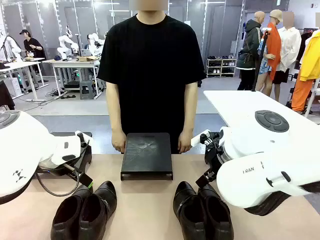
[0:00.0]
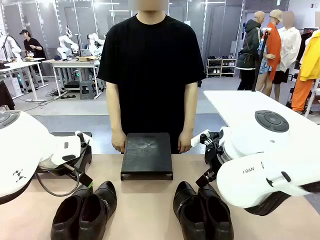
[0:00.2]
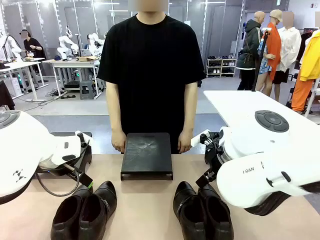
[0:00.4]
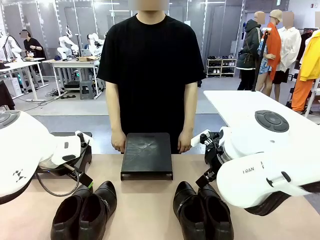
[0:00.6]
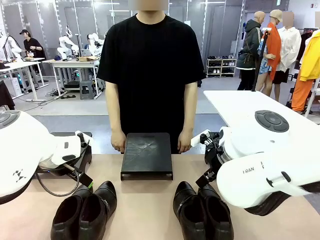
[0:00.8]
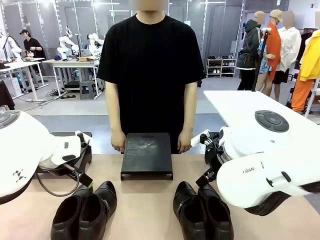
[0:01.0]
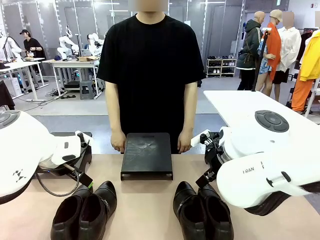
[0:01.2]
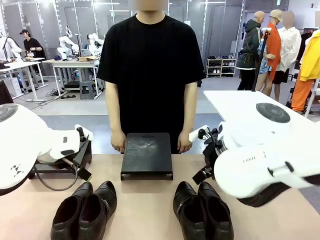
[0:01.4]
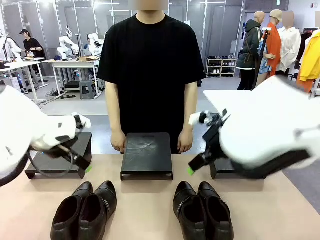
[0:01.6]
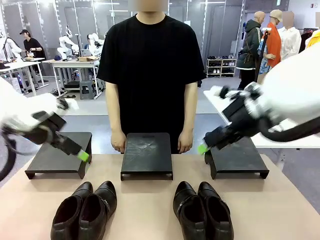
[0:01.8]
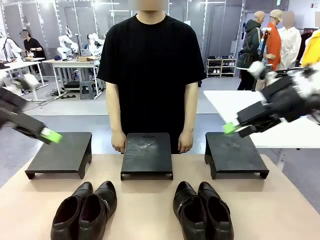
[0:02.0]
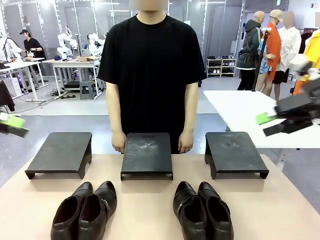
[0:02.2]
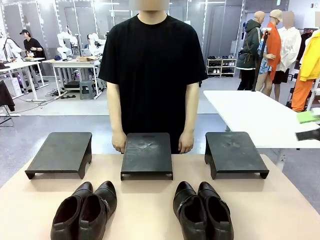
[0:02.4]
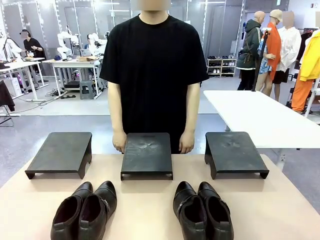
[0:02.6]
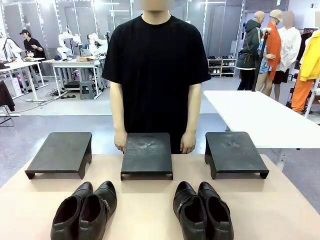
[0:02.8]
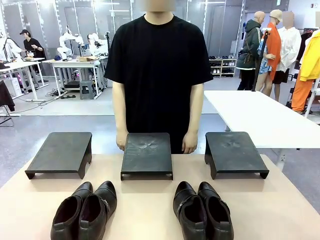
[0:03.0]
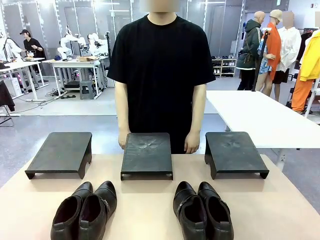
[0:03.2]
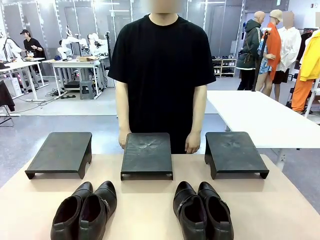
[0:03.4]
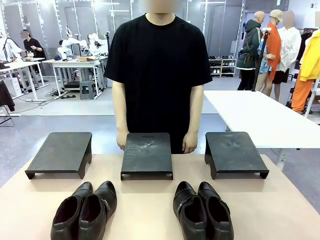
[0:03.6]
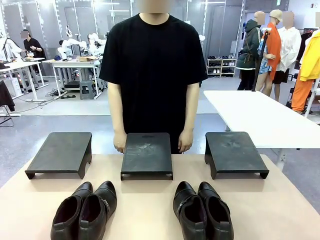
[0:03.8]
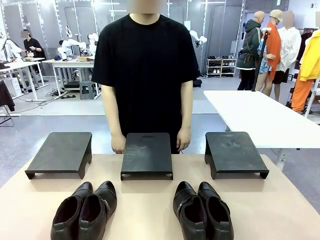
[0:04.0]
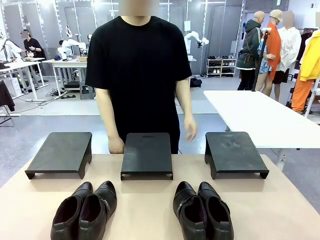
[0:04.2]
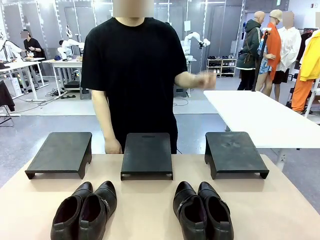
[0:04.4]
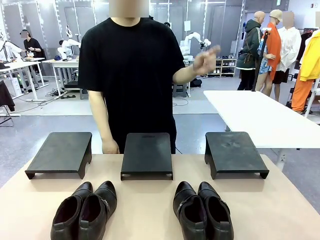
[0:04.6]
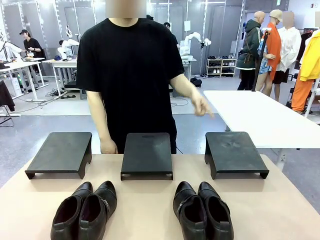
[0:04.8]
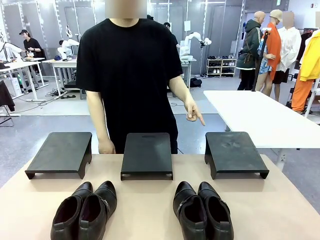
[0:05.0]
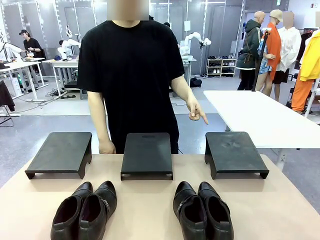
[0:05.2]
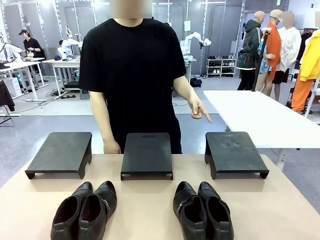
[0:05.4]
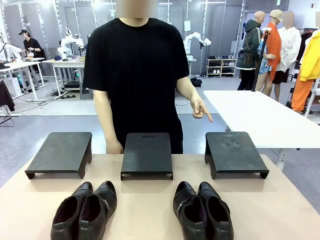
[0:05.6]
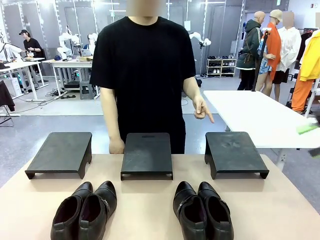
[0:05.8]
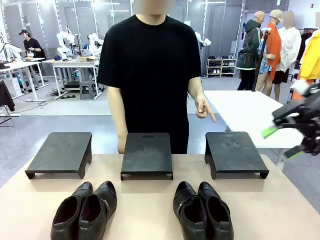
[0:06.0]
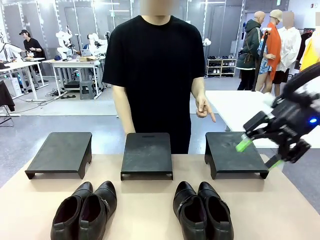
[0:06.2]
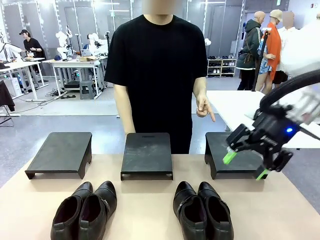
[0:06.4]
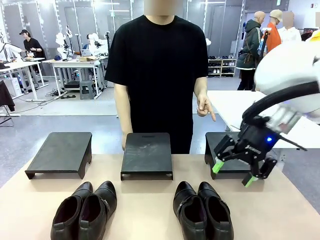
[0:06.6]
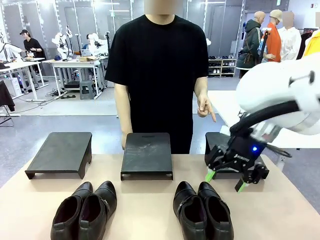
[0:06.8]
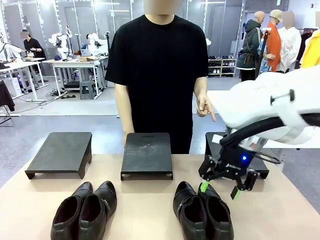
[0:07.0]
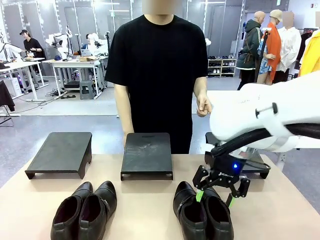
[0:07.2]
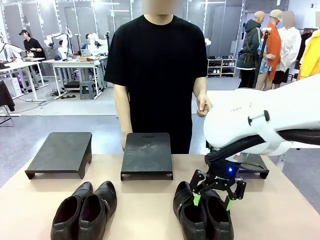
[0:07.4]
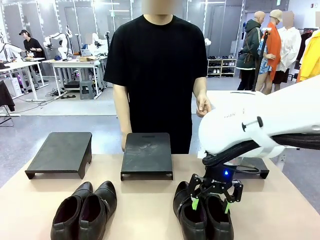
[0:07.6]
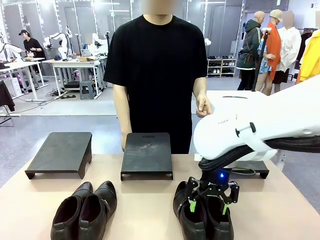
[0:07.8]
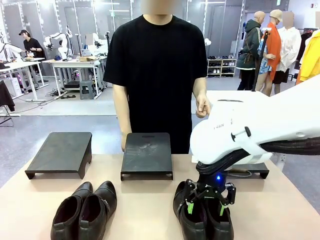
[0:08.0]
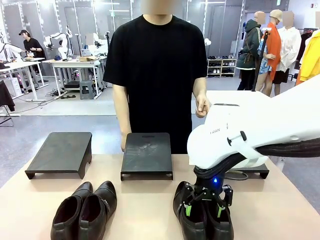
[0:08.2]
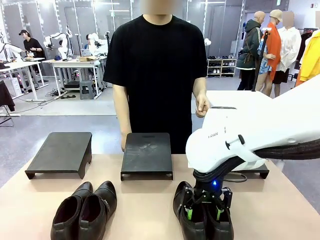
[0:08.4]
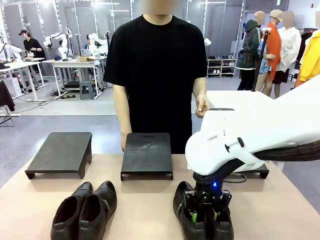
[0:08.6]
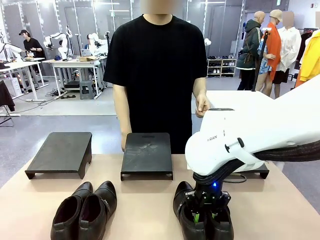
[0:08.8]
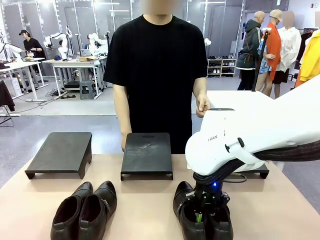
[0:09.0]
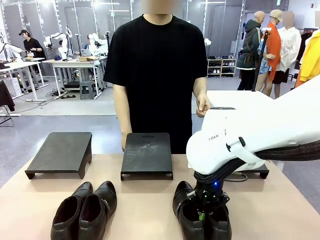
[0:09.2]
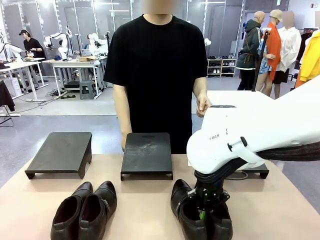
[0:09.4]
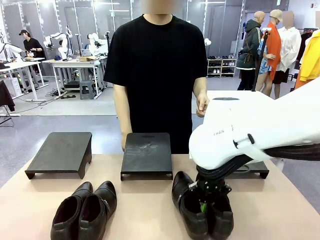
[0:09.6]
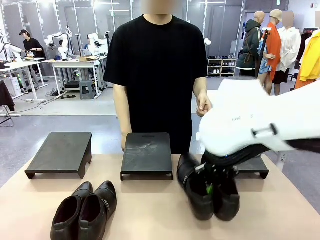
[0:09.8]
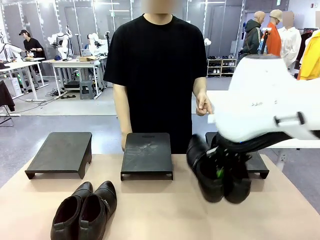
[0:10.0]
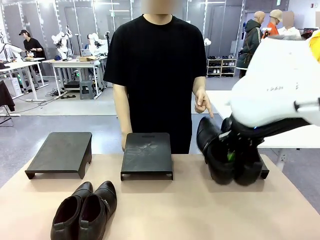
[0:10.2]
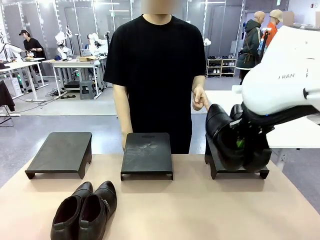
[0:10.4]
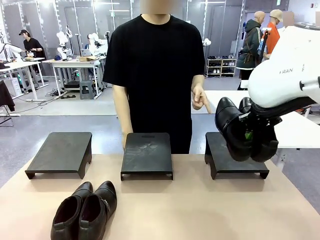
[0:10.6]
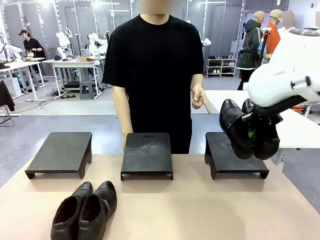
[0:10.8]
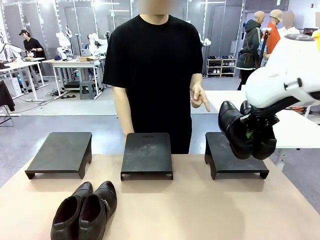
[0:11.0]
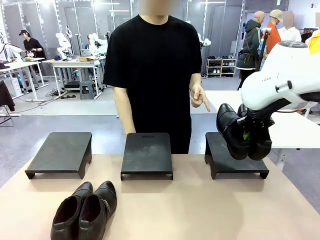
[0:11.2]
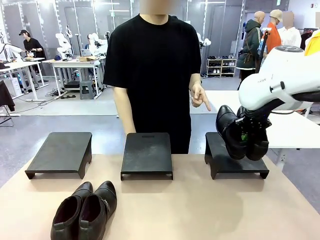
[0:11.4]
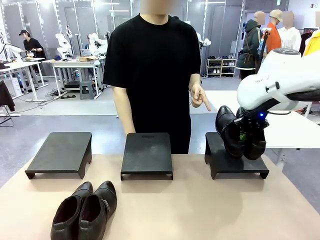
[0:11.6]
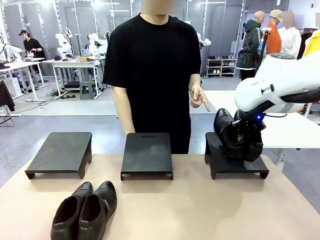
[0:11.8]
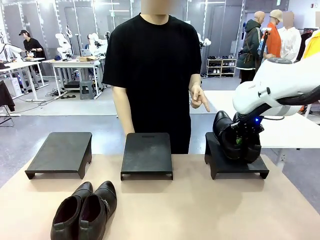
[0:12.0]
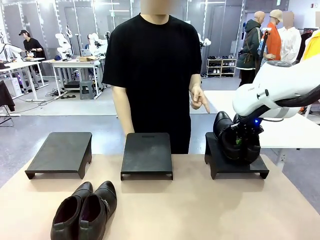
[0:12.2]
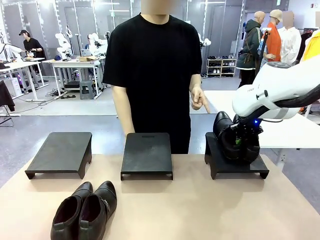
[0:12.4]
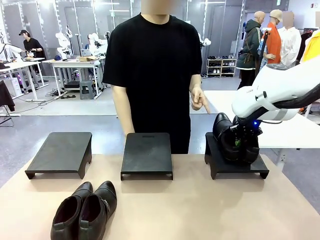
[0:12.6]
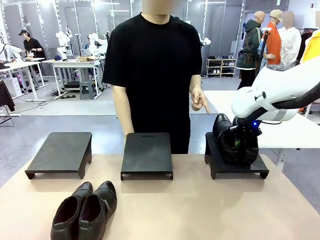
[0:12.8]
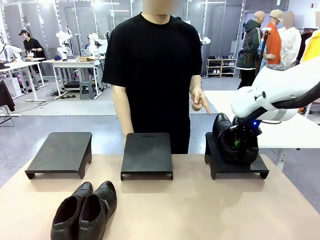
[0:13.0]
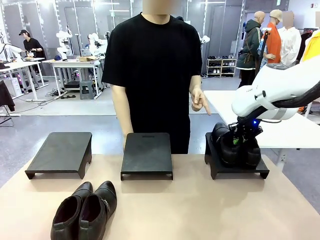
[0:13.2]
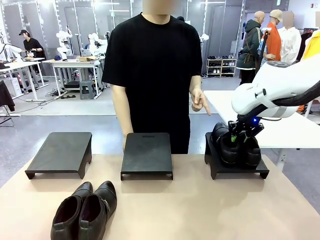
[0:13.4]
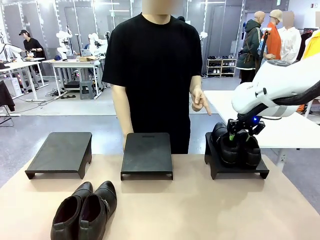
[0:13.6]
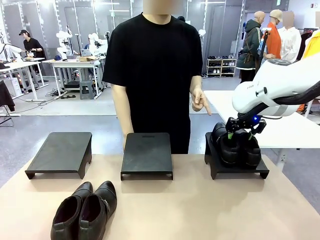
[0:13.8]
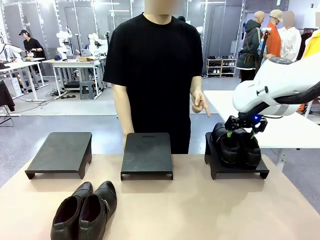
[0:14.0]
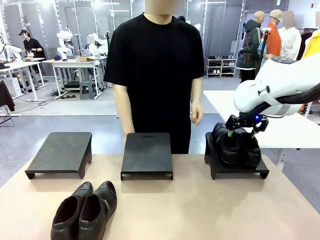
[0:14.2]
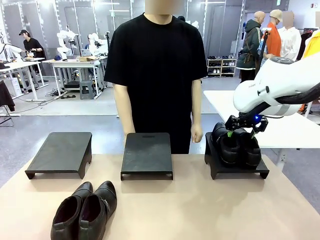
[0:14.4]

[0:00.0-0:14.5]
Task: Place the shoes on the stand as instructed by the person.
Robot: Pick up one pair of Shoes and place it on the Shoes Stand indicated by the person.
